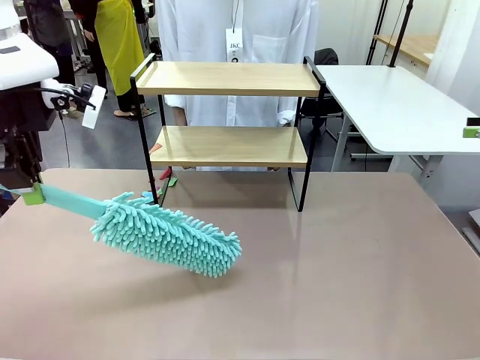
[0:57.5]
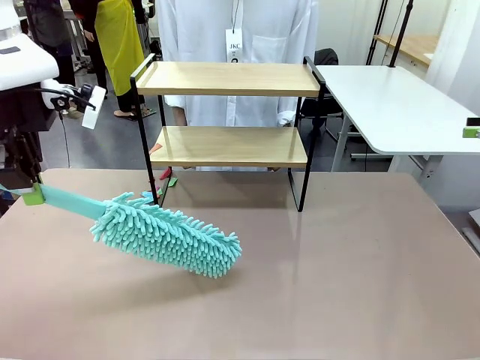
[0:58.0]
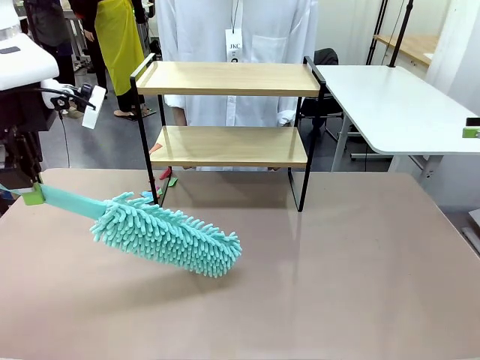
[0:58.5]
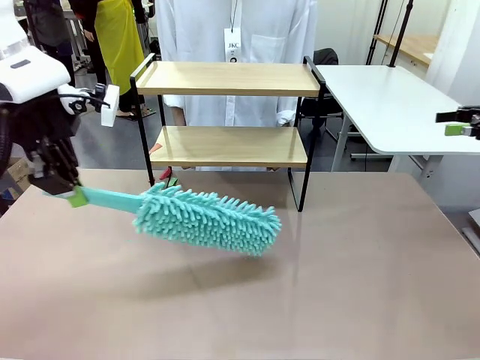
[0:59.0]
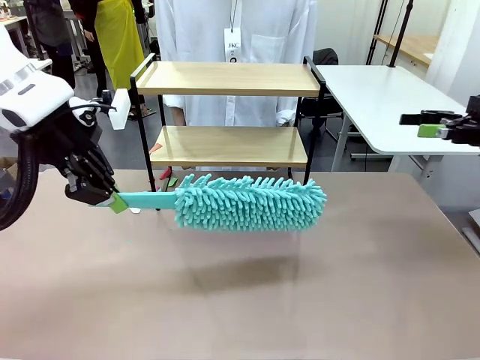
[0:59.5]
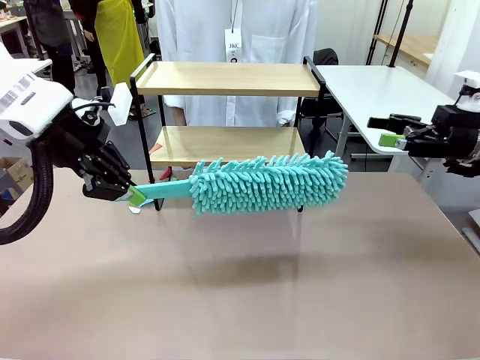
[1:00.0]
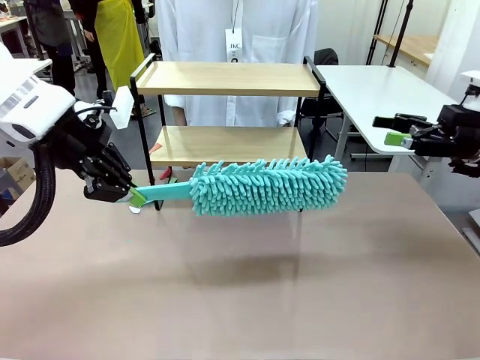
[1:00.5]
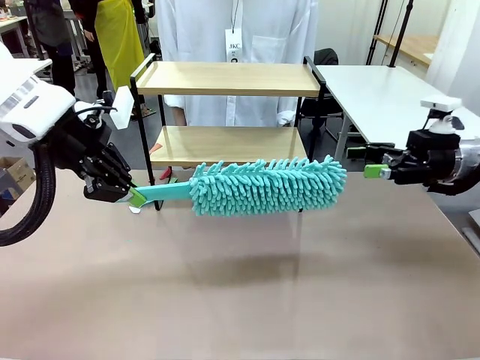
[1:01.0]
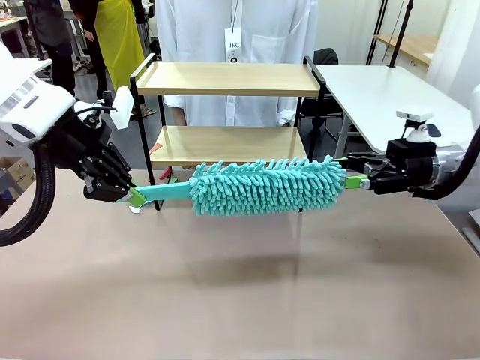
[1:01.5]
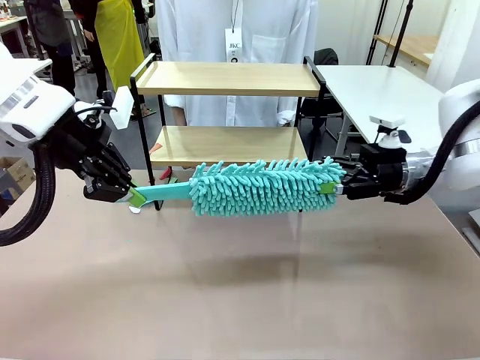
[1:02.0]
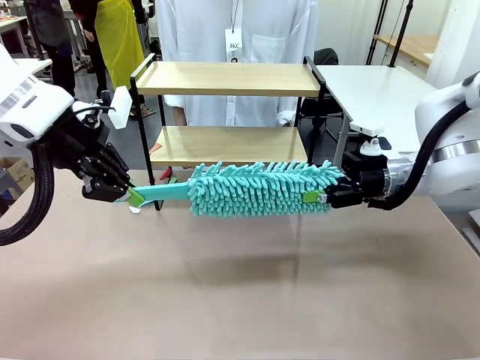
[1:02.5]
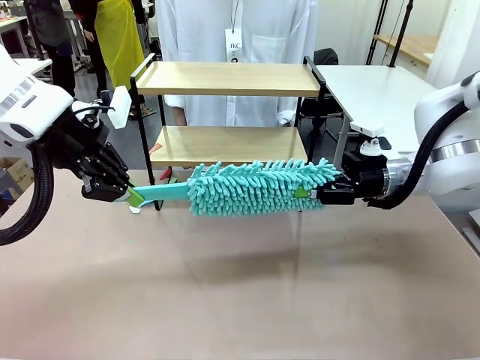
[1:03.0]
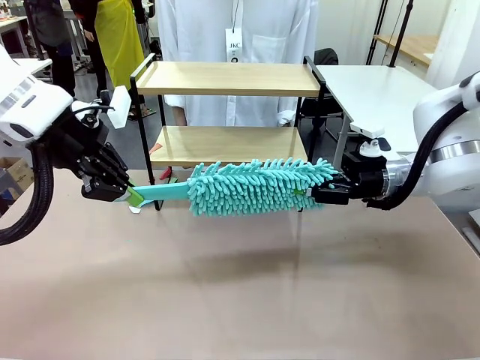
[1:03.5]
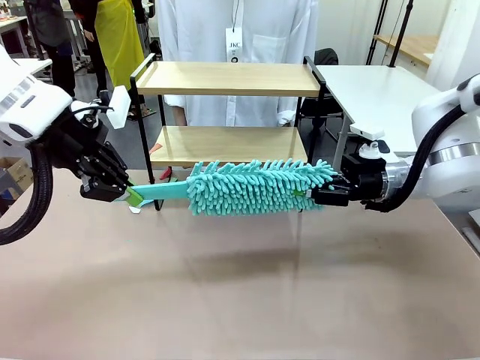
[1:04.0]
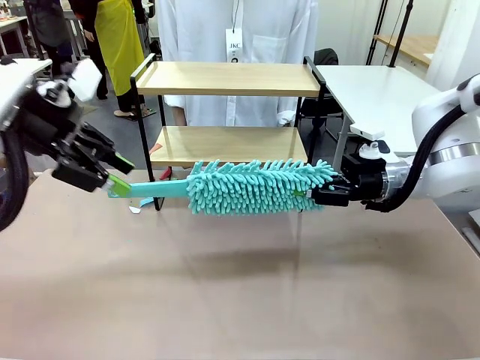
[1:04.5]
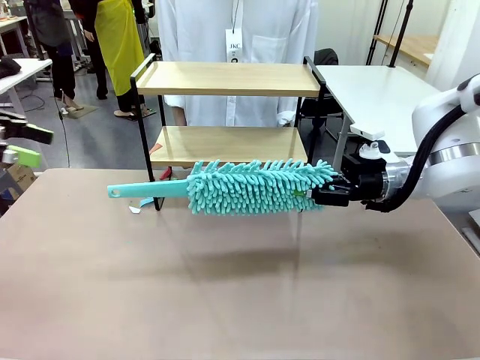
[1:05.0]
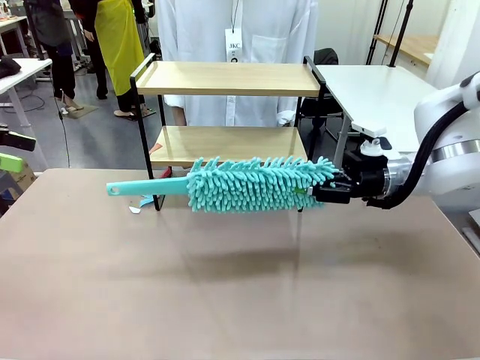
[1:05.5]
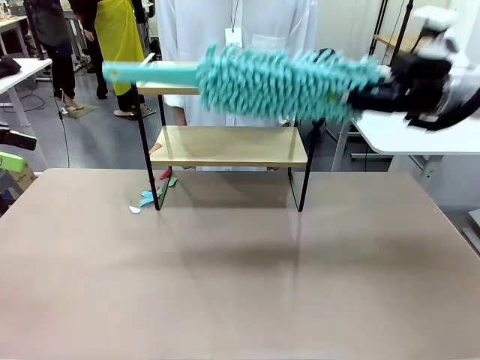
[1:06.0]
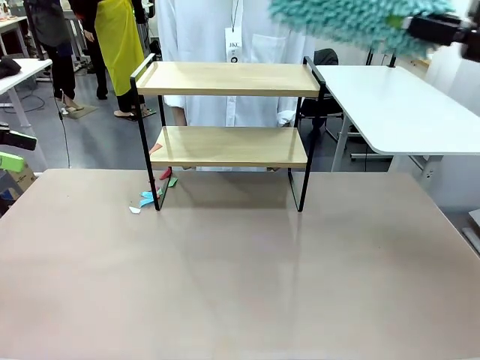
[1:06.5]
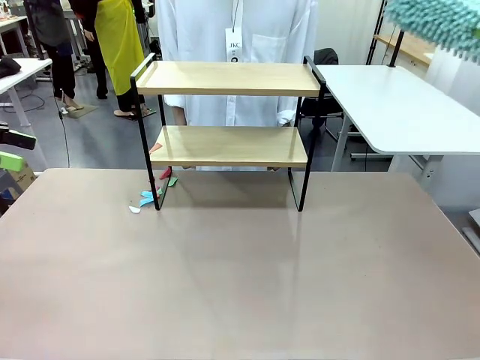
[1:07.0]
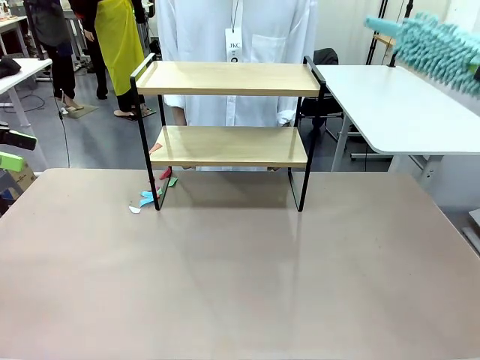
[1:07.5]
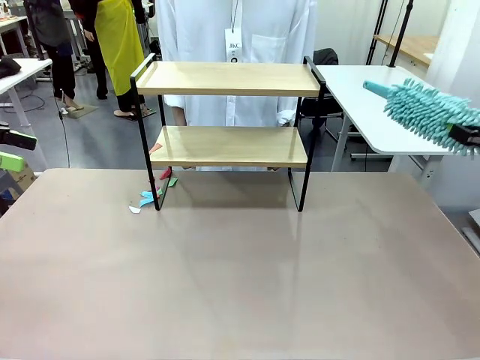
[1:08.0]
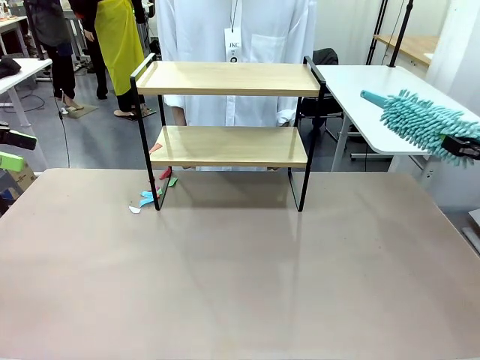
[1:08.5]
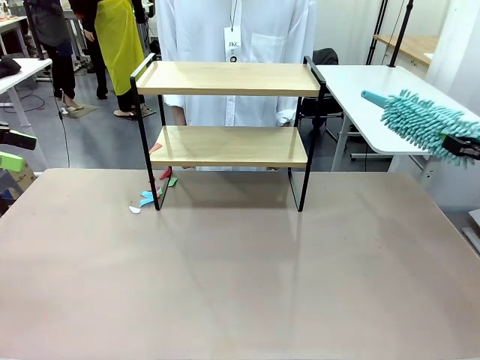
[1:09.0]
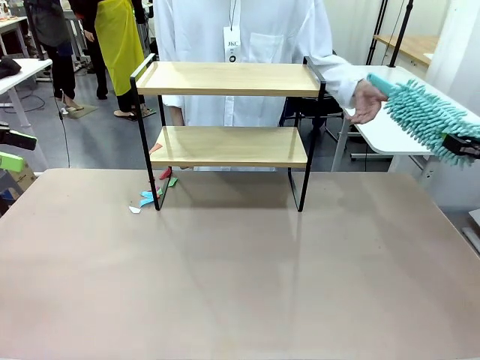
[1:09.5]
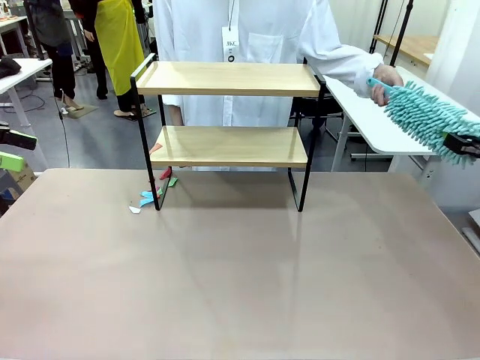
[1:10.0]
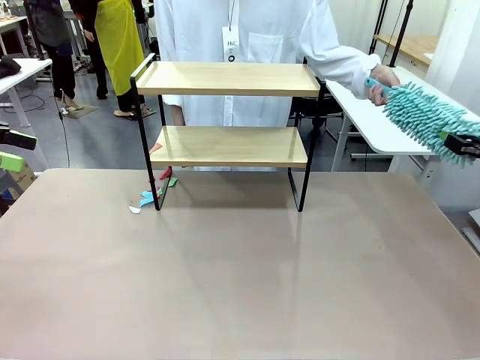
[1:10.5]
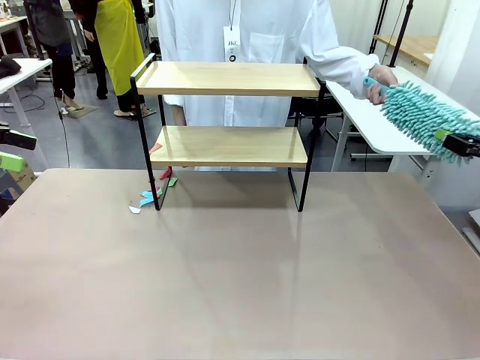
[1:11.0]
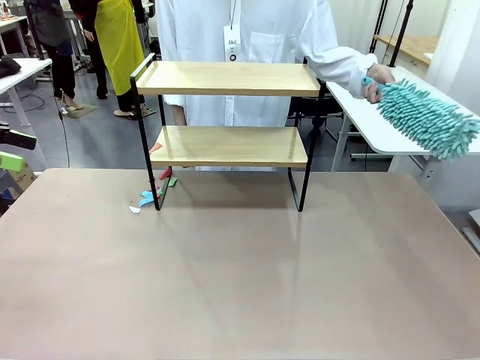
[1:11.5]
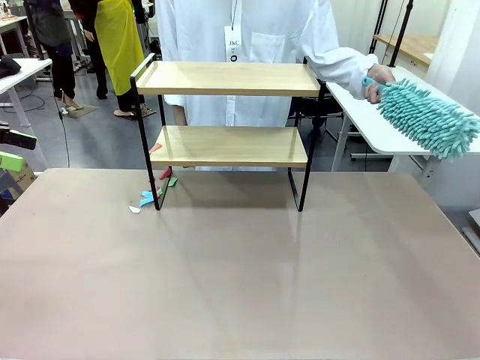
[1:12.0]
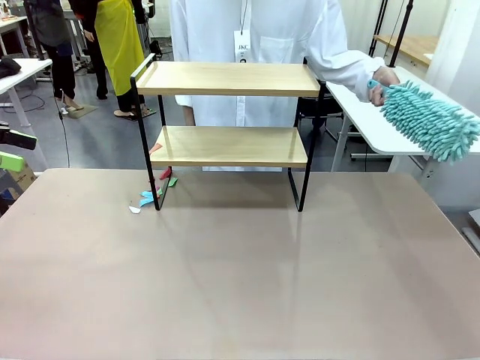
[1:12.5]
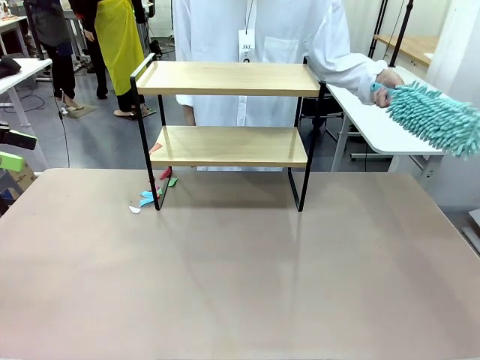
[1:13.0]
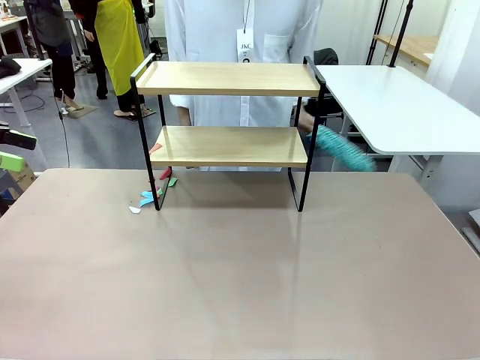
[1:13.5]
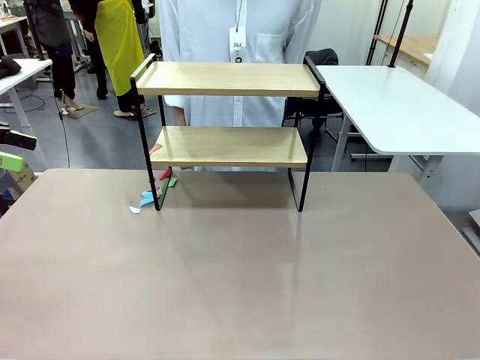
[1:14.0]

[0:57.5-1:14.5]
Task: Clean the shelf.
Robot: Hand the Duster back to the human.
Person: Receive the Duster from the robot.

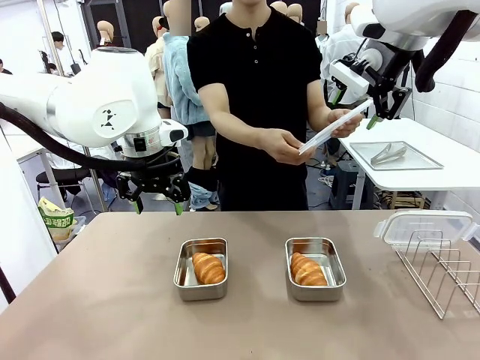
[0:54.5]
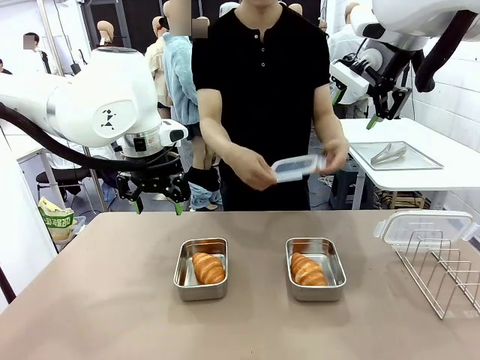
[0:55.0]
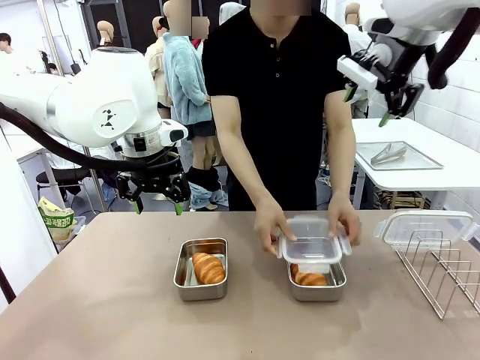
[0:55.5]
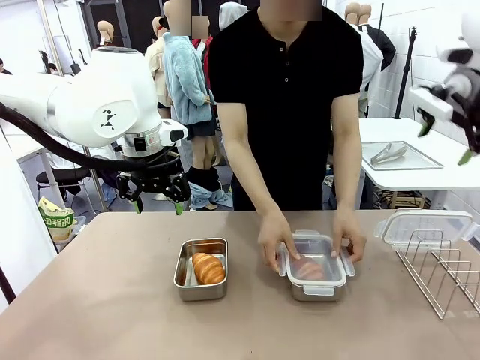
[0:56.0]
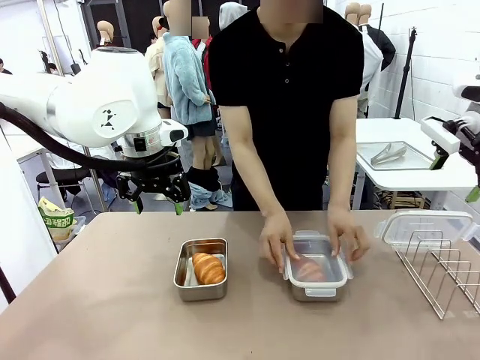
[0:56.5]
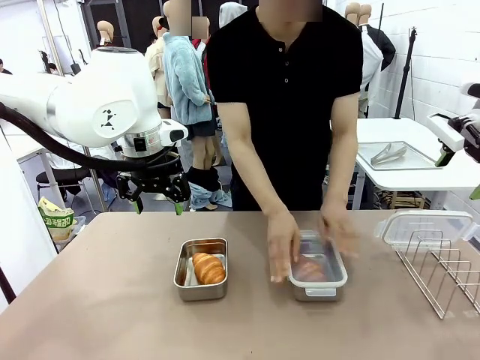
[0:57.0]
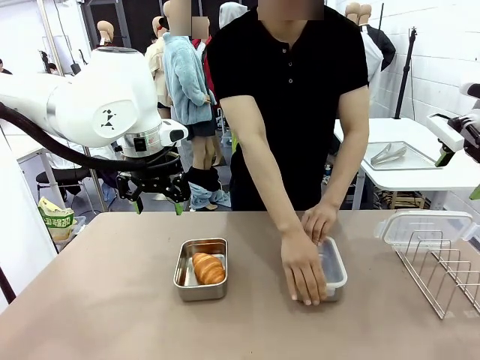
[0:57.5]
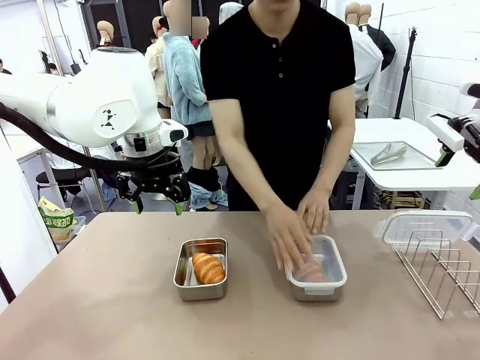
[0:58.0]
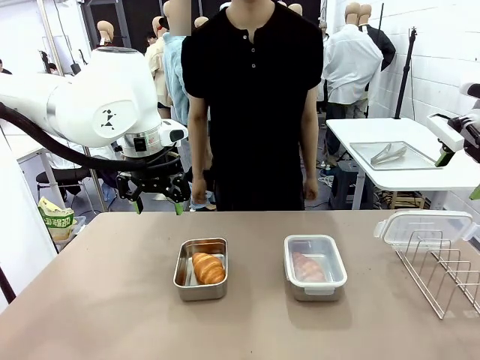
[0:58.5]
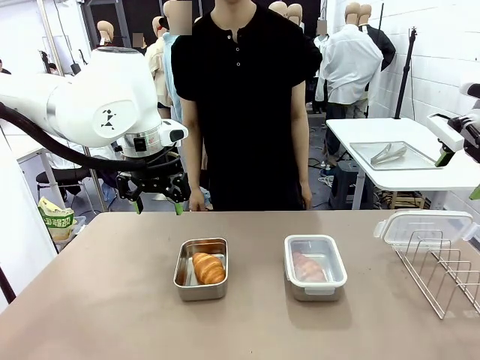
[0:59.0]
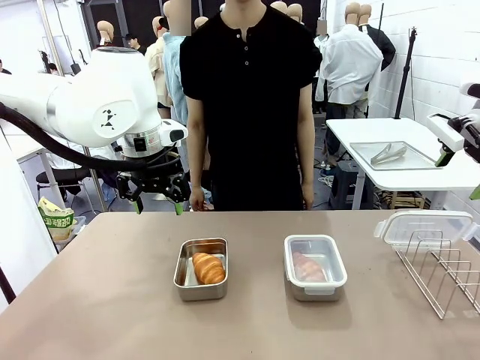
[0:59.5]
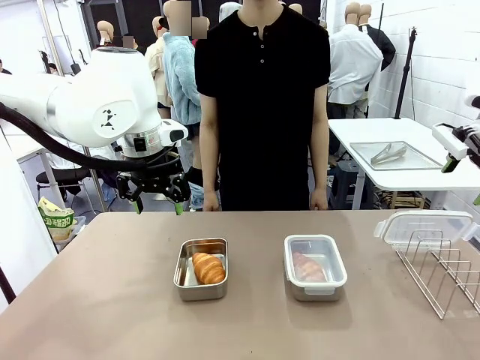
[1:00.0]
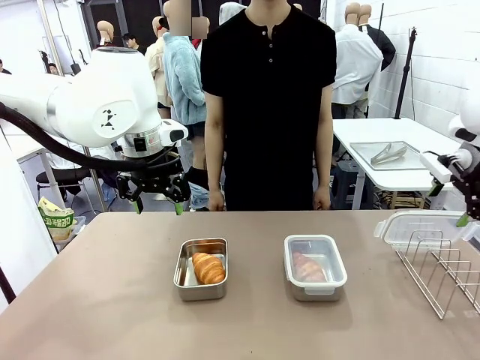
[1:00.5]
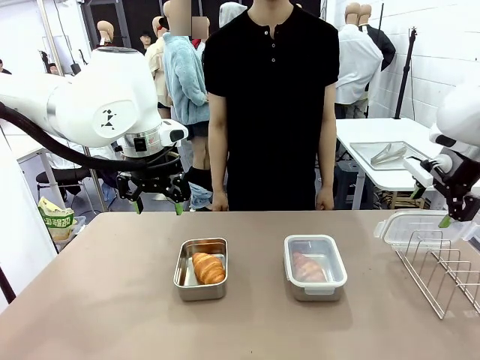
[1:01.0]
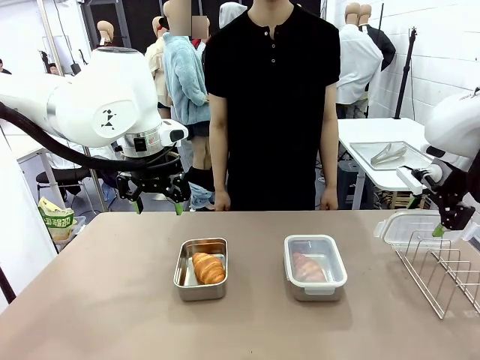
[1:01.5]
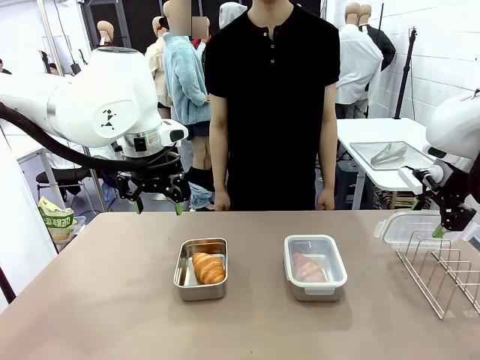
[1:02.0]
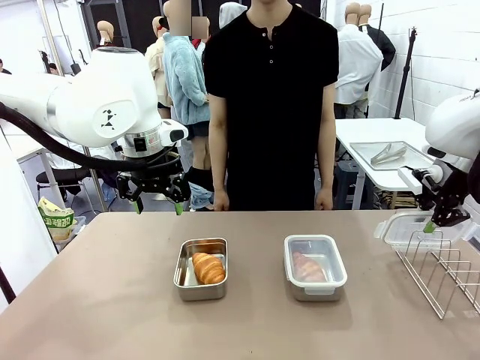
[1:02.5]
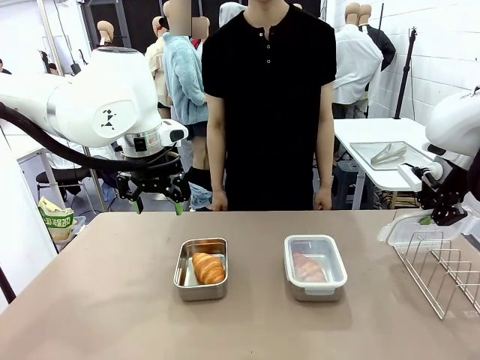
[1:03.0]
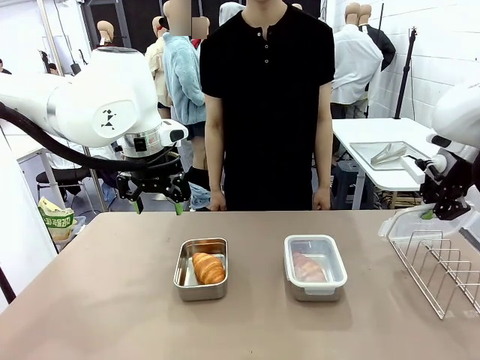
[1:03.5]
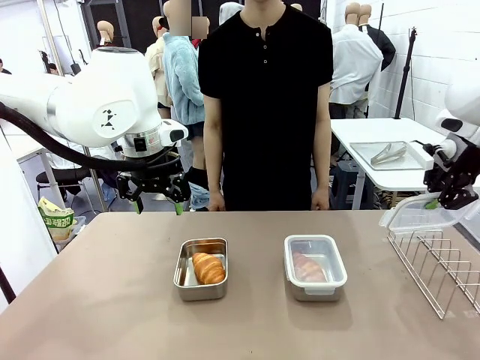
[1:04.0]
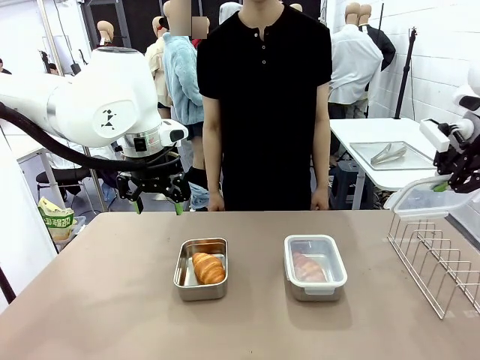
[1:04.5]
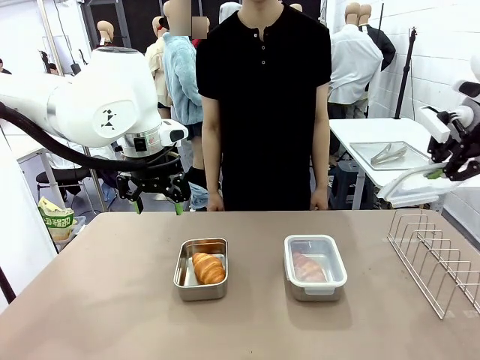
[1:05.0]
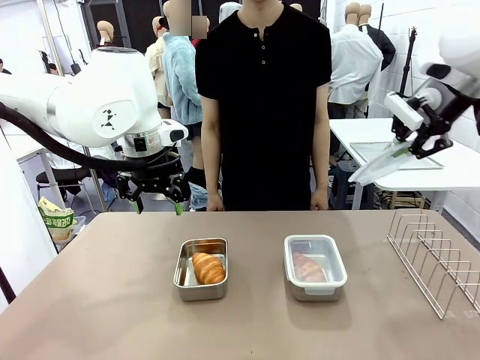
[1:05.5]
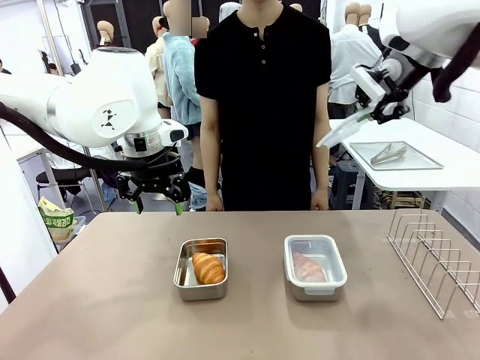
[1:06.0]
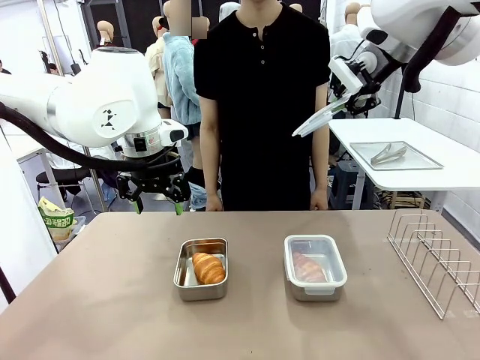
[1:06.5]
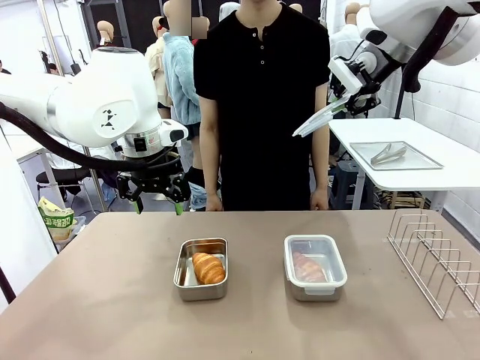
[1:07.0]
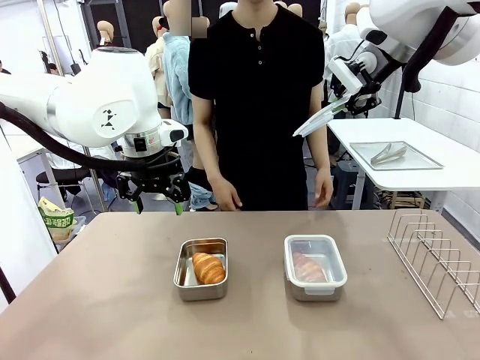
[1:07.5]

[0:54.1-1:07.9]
Task: Place the bread in airtight containers.
Robot: Pick up one Airtight Container lid and hand it to the human.
Person: Close Airtight Container with a handed Airtight Container lid. Grip Airtight Container lid that robot is handing.
